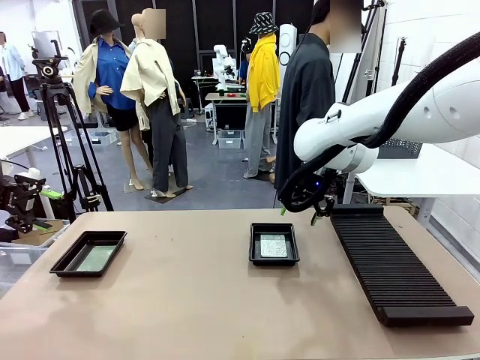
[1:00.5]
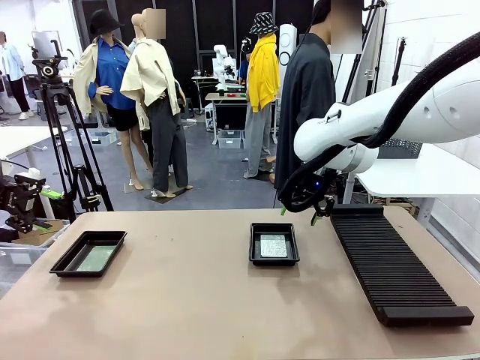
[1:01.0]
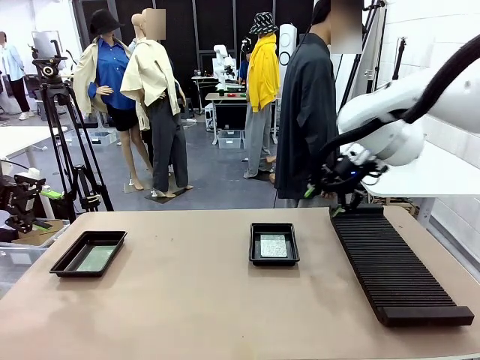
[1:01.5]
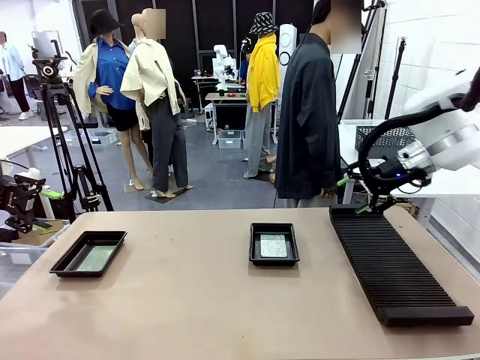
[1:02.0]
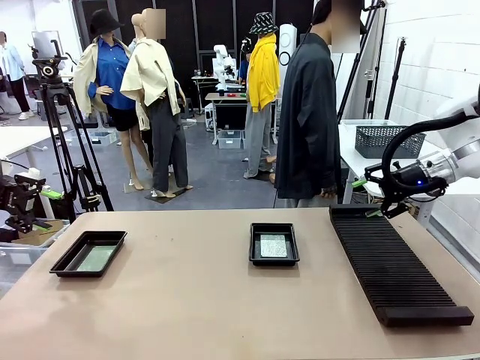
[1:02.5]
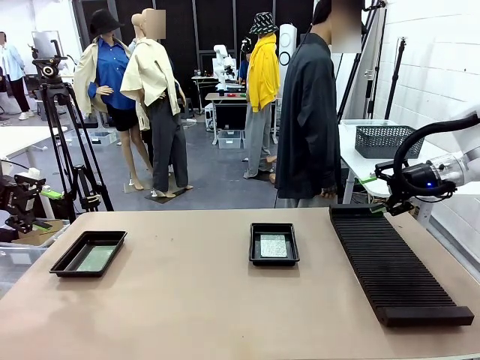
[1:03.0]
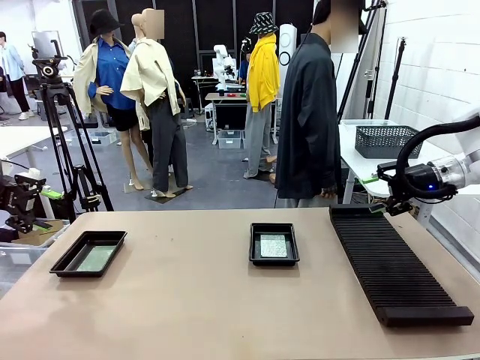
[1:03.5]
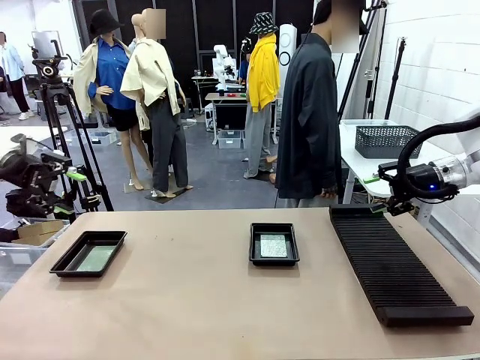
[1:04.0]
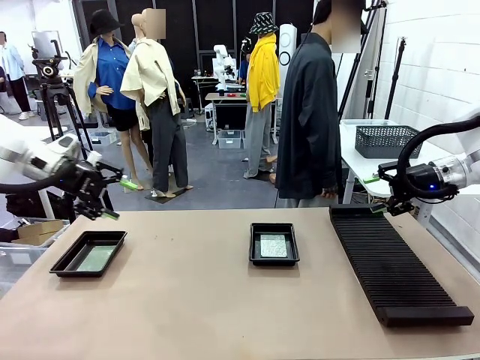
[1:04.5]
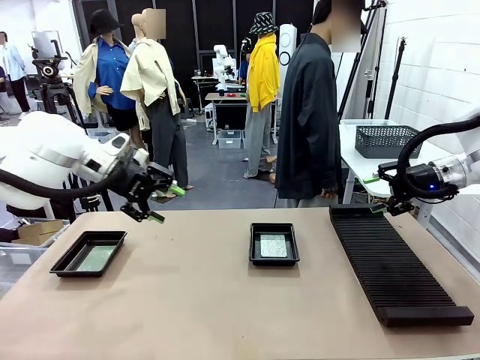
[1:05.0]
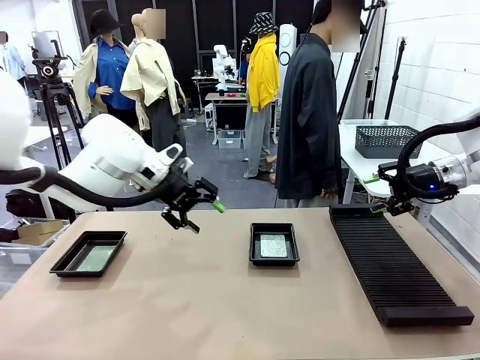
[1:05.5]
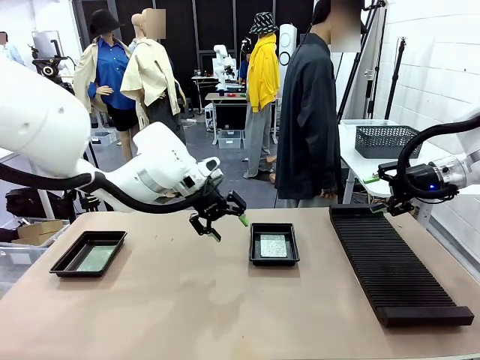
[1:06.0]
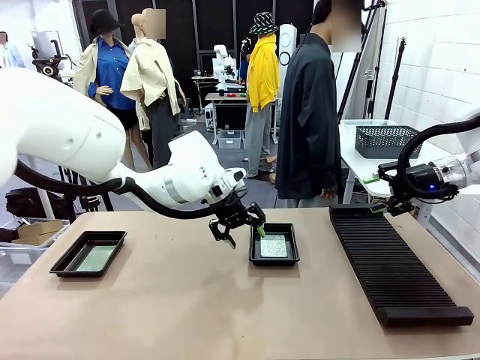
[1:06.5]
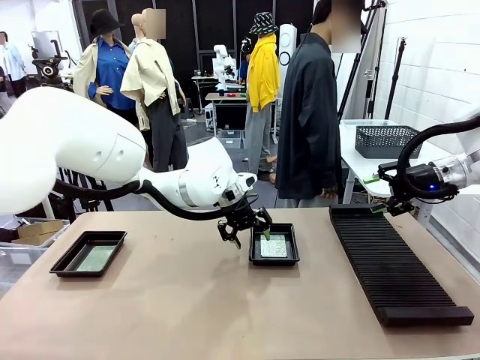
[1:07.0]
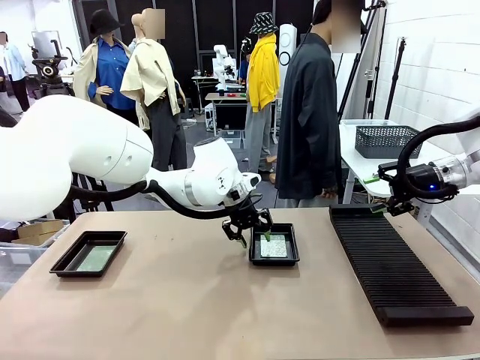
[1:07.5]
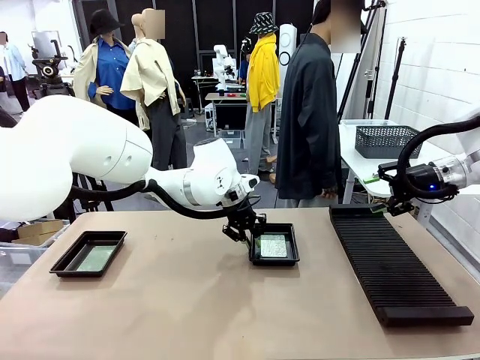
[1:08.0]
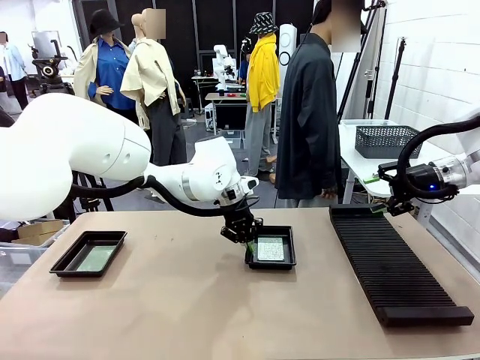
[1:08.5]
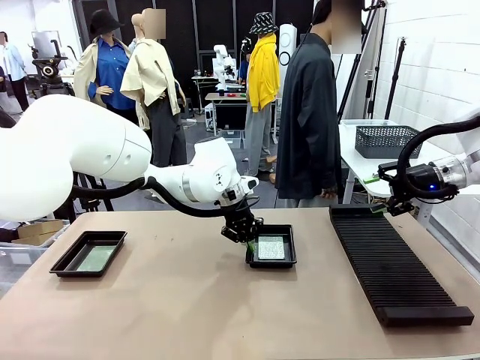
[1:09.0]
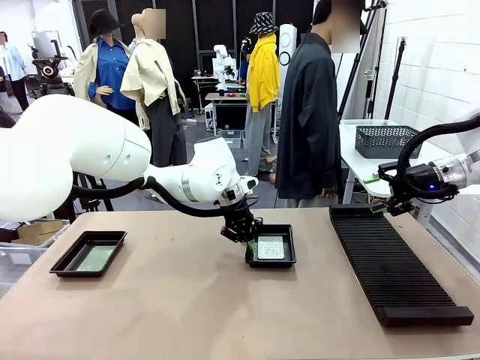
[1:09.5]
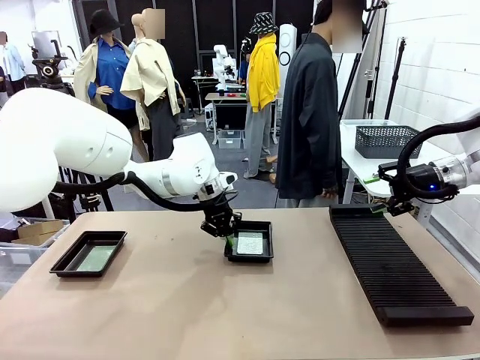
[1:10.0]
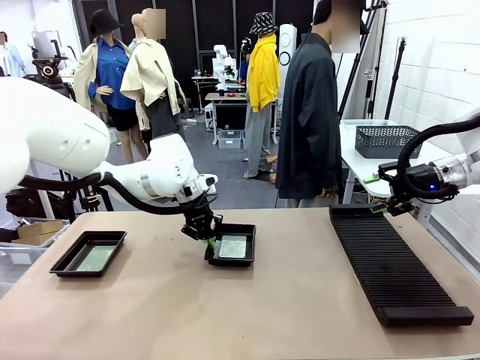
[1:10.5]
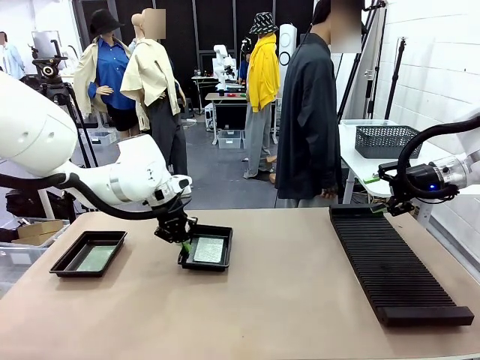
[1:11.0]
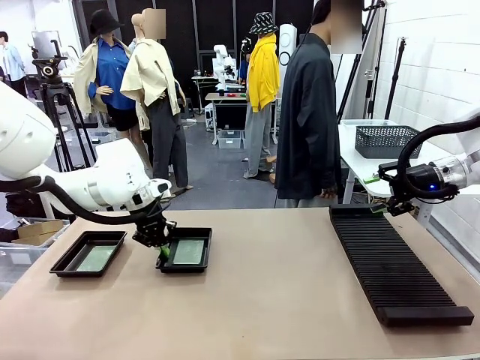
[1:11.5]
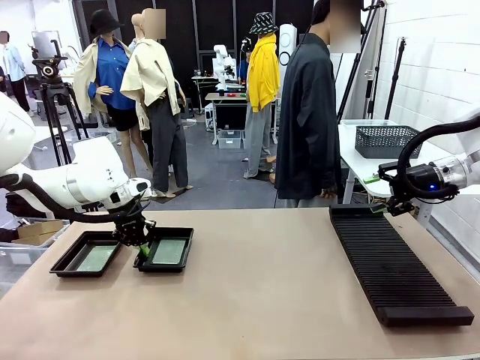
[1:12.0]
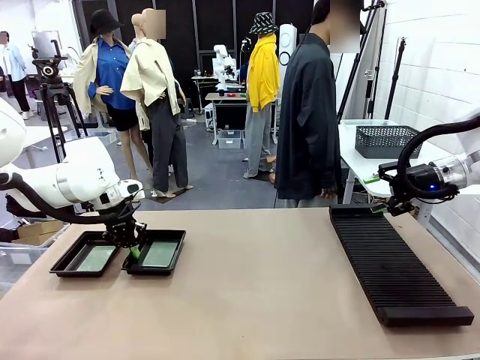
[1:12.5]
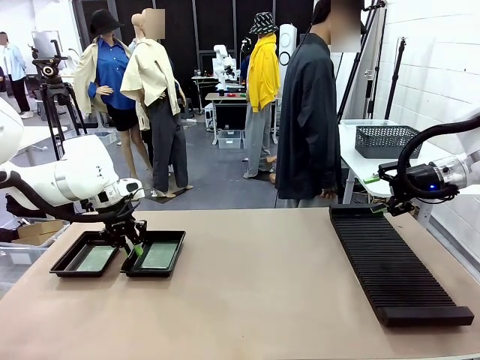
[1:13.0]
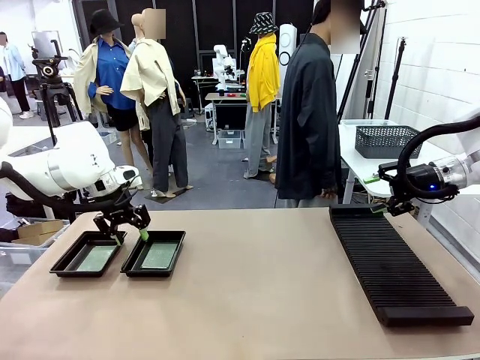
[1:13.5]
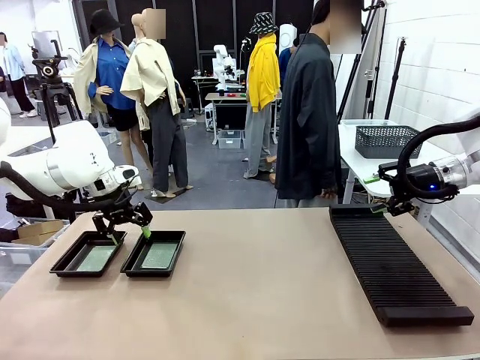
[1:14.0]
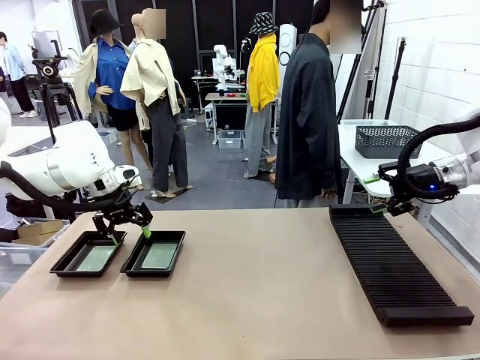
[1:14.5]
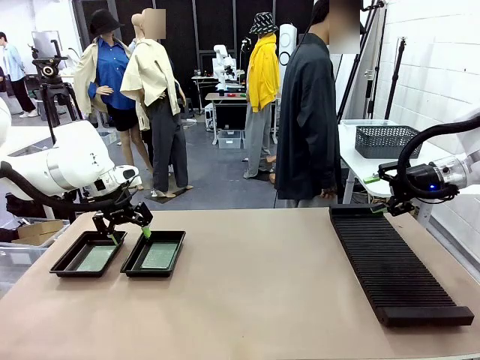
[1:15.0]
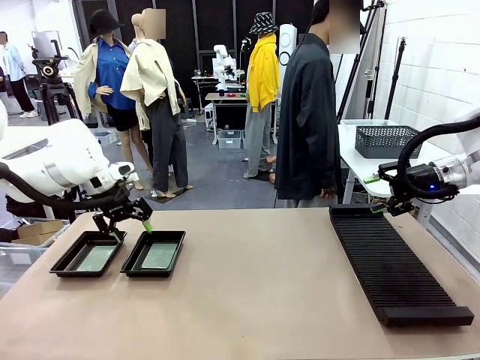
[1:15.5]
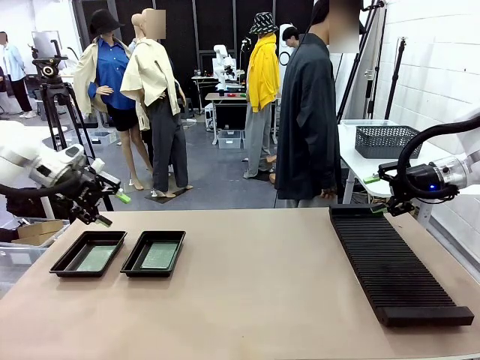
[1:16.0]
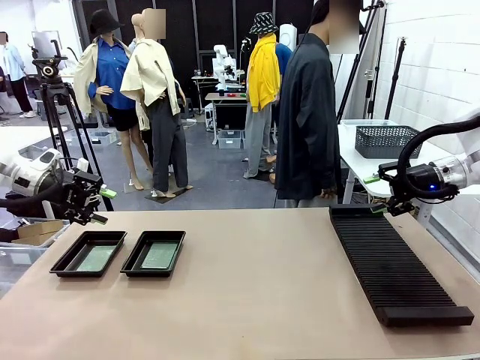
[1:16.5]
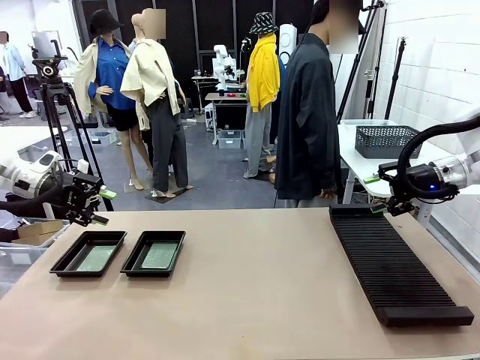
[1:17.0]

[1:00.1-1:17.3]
Task: Inspect and transfer BCBs to ESD trays.
Robot: Pick up the ESD tray and place it on the left side of the table.

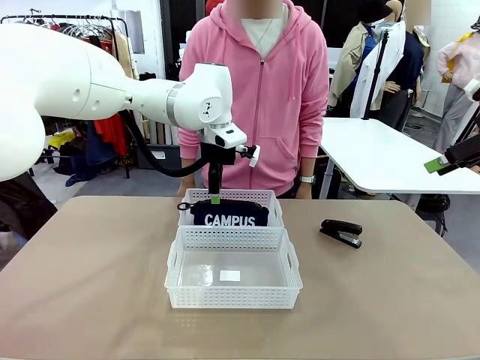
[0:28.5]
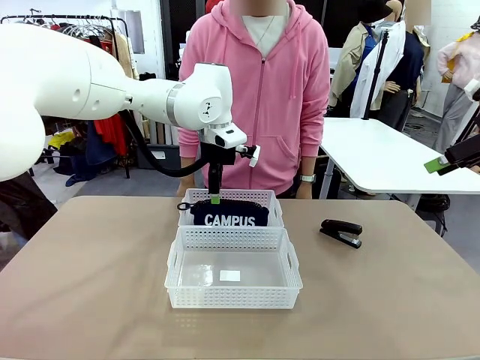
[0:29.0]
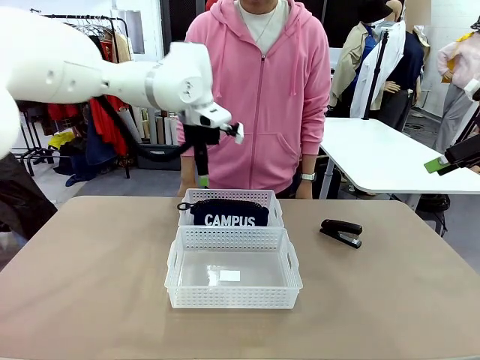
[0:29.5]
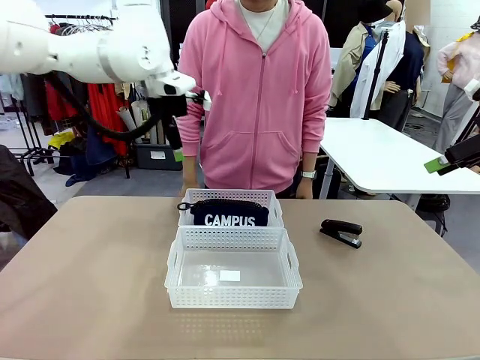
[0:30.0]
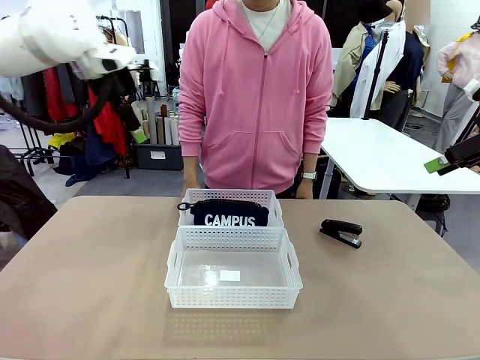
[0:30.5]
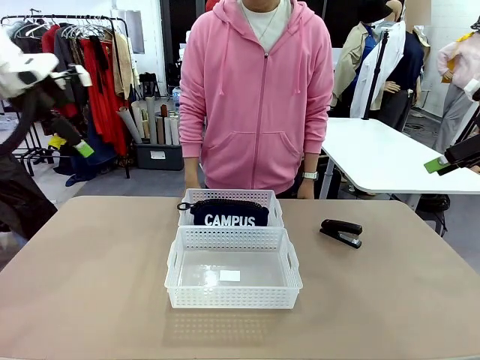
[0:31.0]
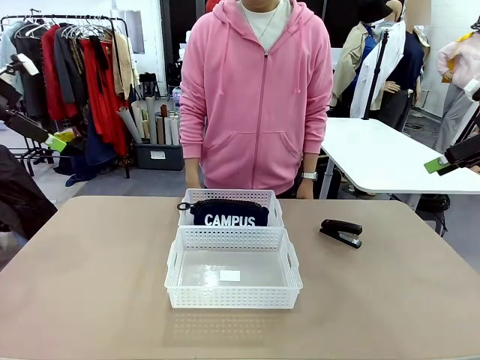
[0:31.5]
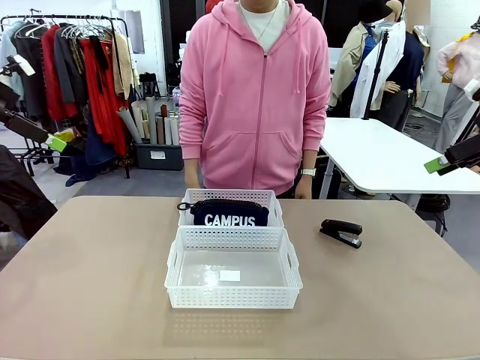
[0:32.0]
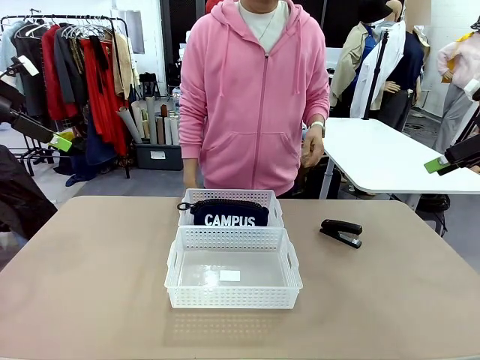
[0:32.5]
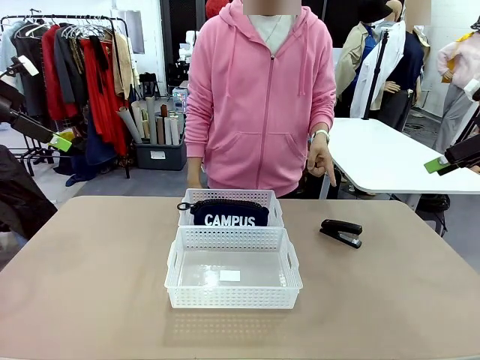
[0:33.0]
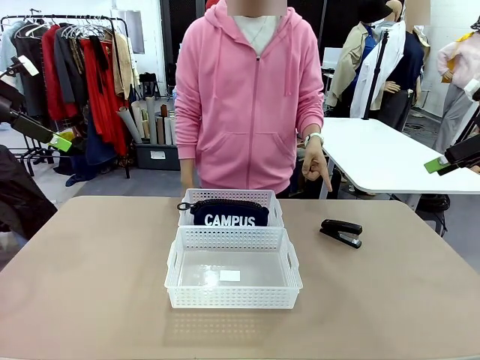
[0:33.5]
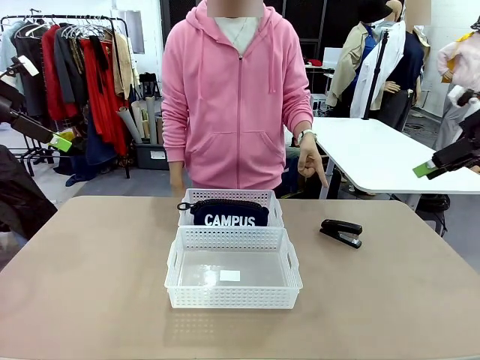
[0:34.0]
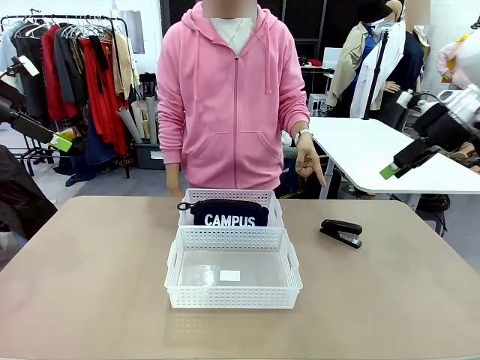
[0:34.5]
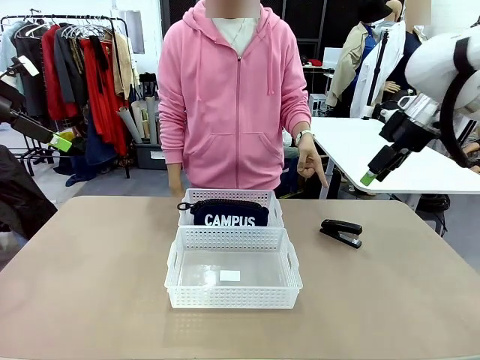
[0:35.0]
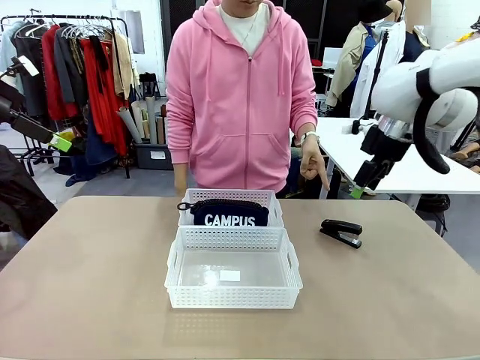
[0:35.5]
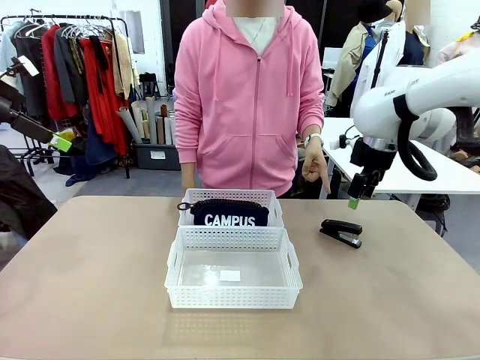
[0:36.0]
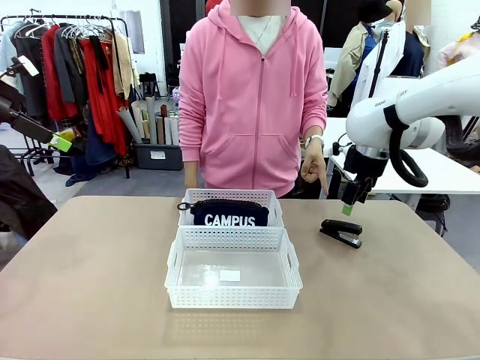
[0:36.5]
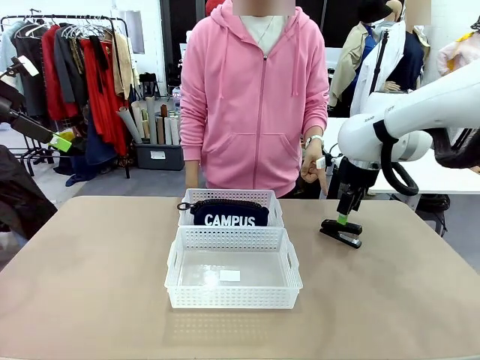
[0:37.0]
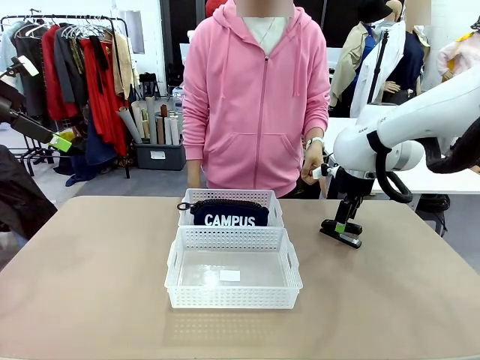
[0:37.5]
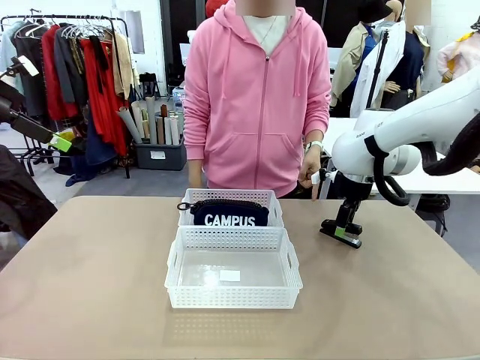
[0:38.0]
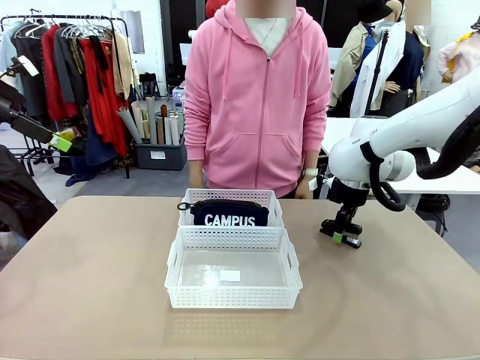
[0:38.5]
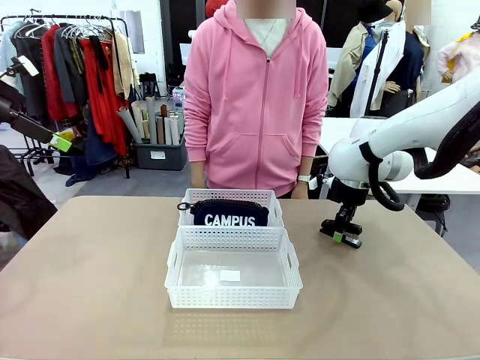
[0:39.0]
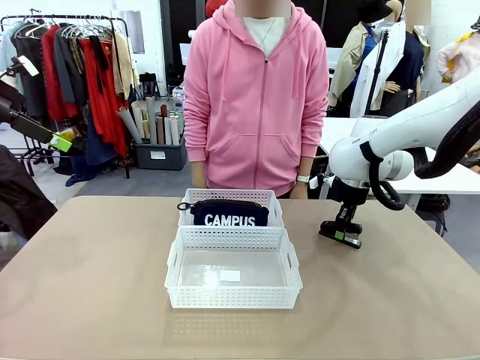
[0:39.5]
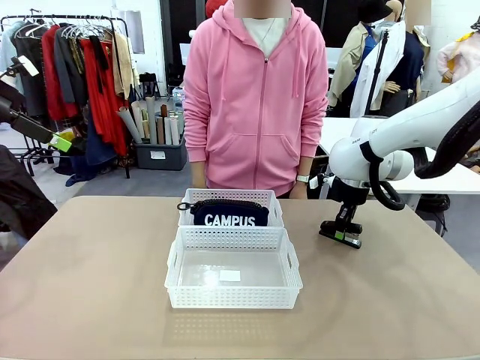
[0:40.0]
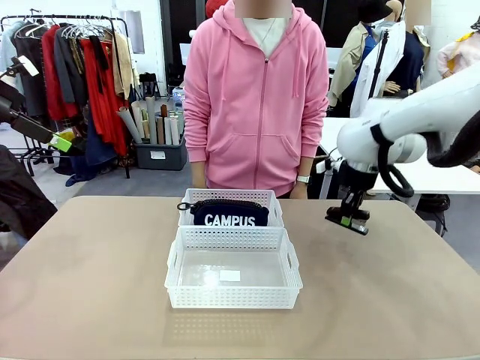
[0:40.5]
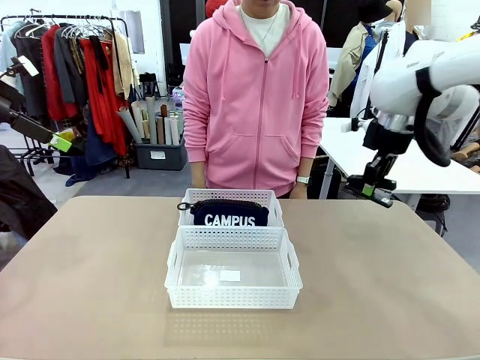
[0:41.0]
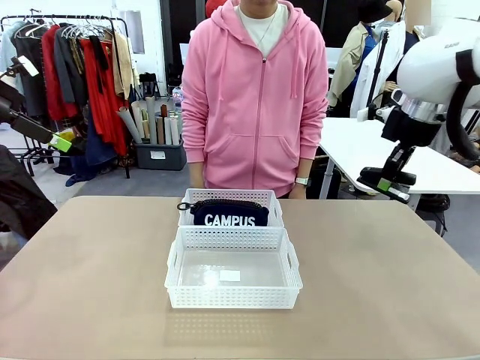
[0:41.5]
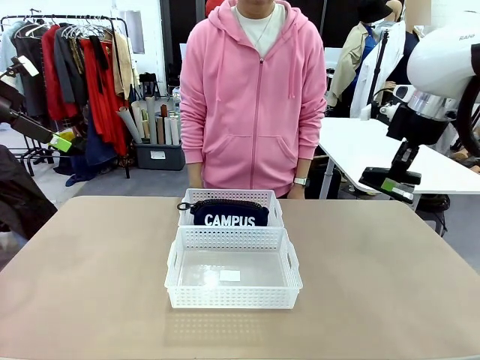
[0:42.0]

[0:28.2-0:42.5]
Task: Distribute items into two baskets.
Robot: Pick up the Stapler that the person points to.
